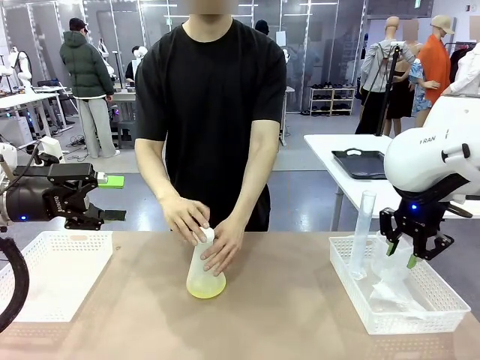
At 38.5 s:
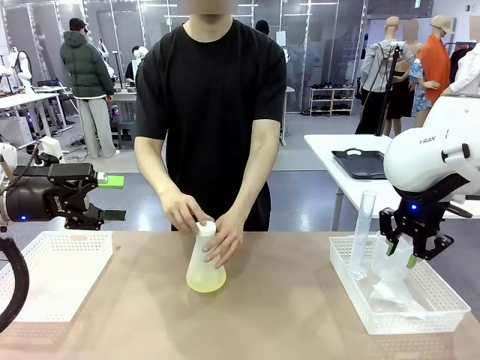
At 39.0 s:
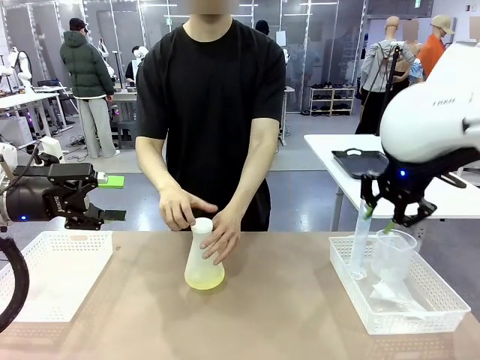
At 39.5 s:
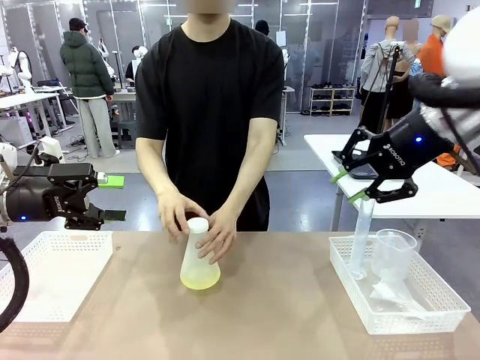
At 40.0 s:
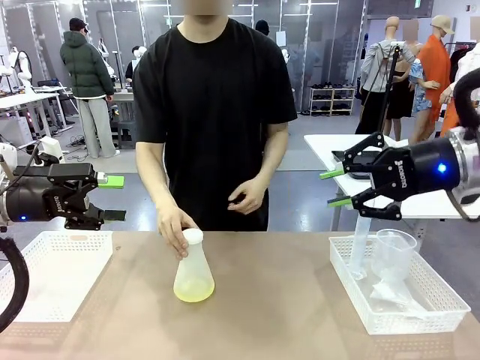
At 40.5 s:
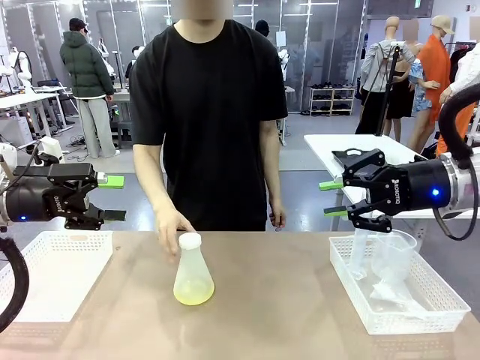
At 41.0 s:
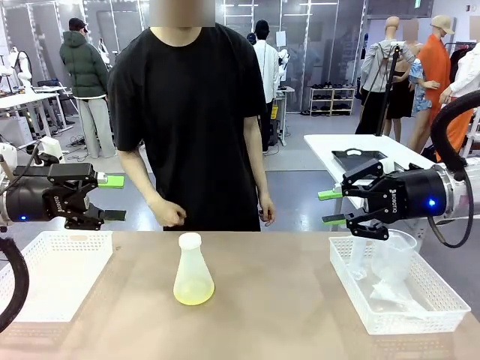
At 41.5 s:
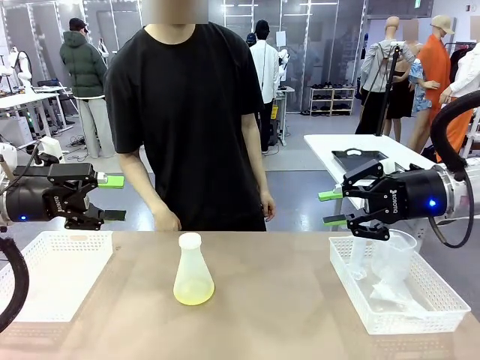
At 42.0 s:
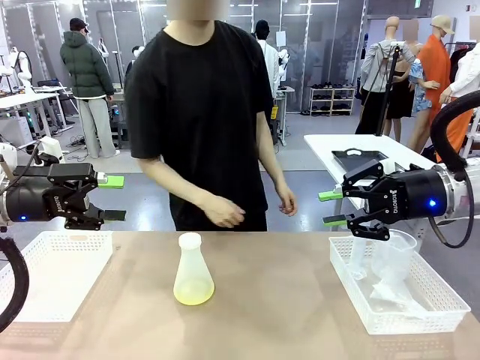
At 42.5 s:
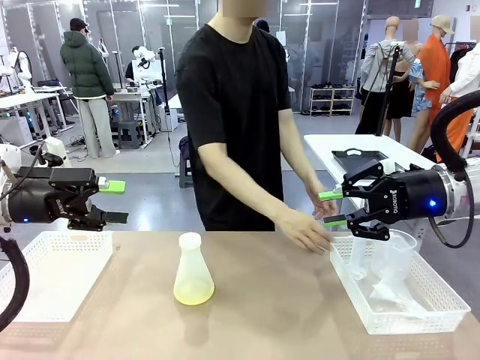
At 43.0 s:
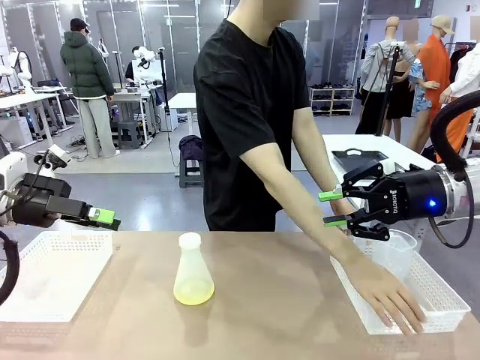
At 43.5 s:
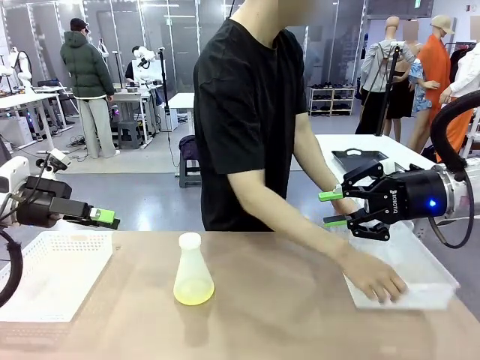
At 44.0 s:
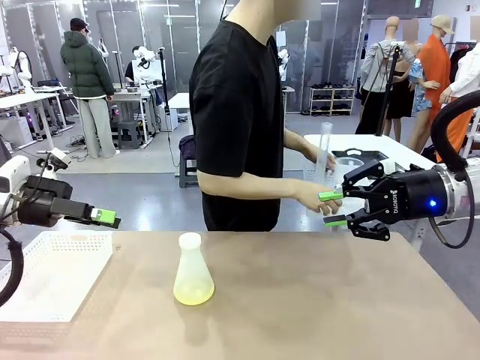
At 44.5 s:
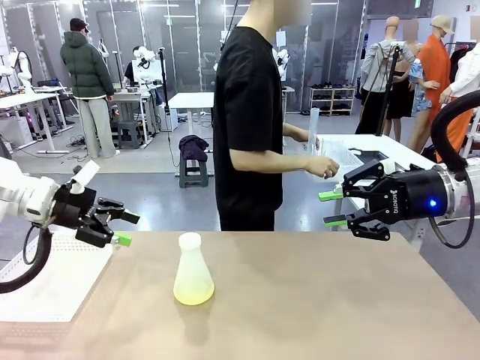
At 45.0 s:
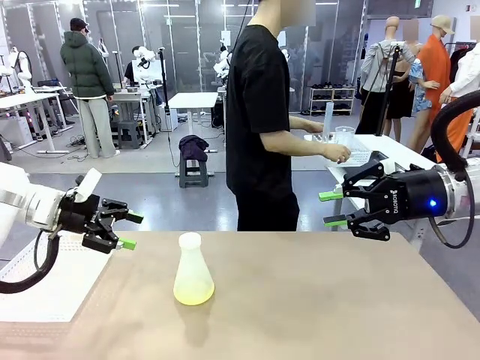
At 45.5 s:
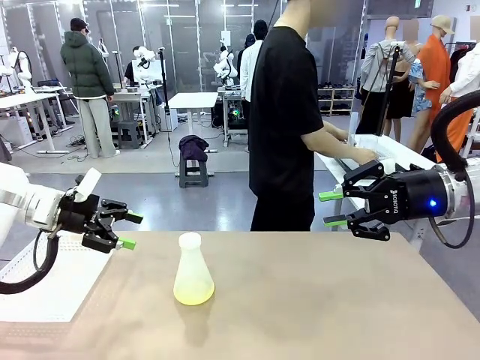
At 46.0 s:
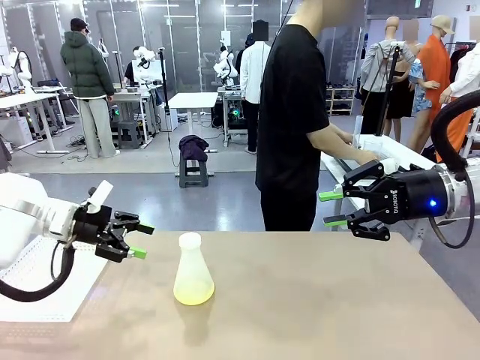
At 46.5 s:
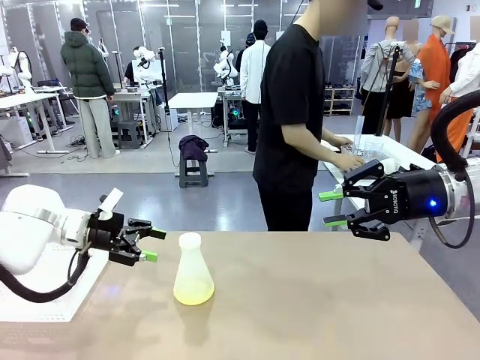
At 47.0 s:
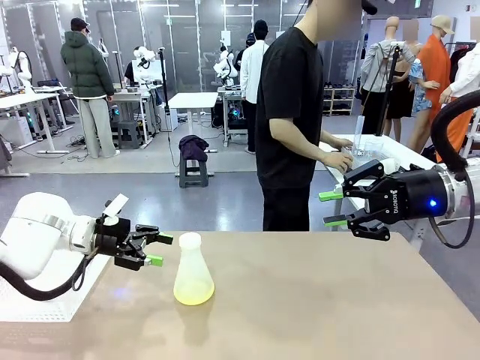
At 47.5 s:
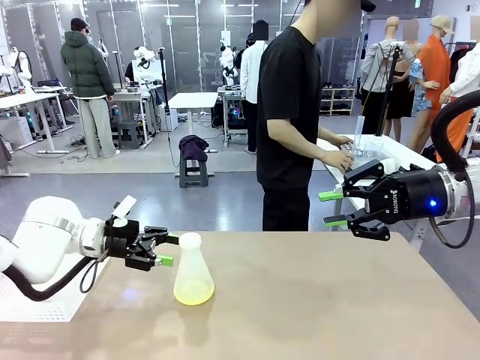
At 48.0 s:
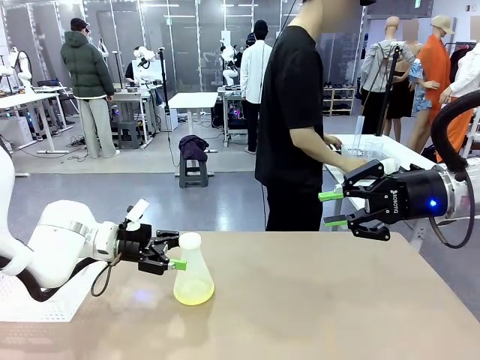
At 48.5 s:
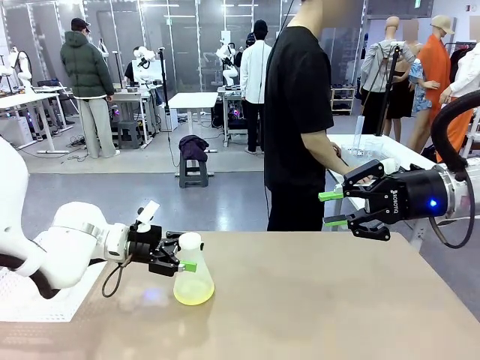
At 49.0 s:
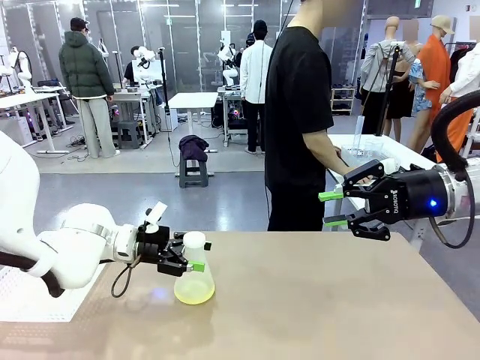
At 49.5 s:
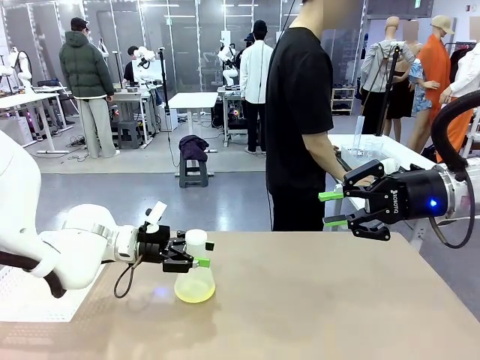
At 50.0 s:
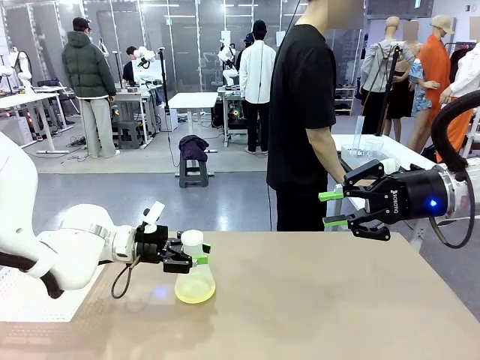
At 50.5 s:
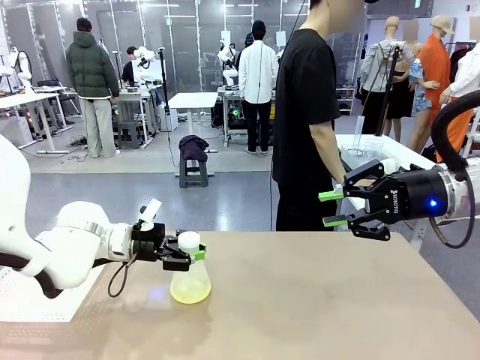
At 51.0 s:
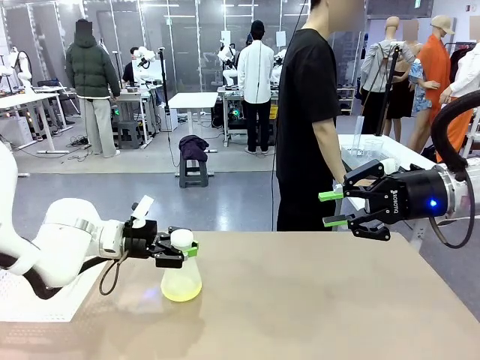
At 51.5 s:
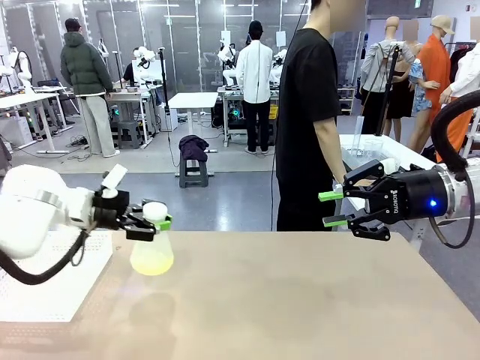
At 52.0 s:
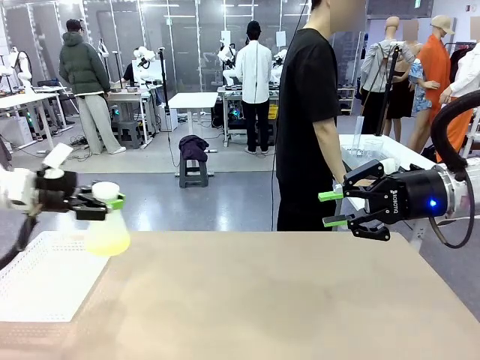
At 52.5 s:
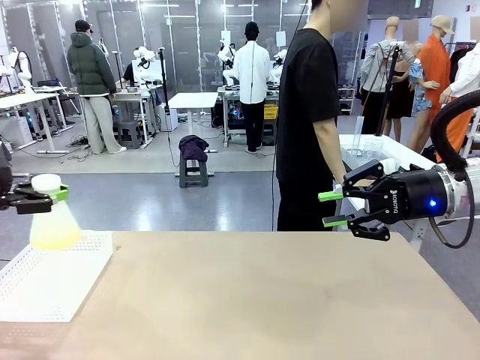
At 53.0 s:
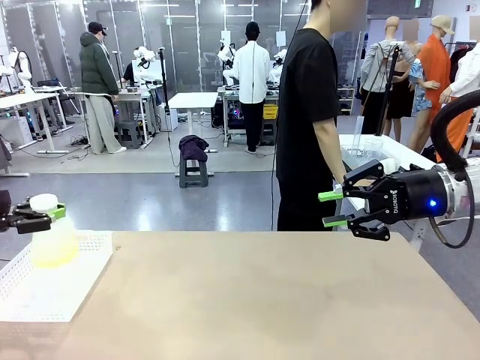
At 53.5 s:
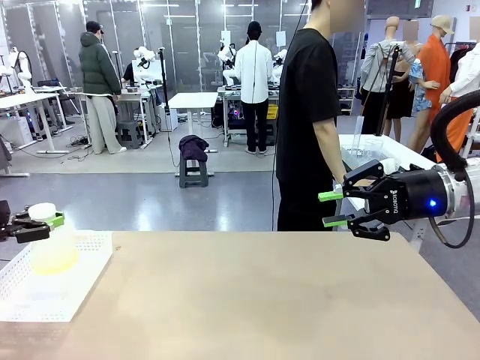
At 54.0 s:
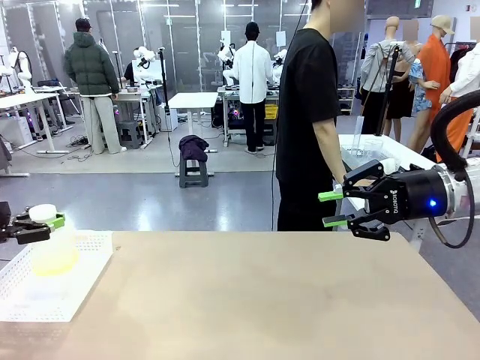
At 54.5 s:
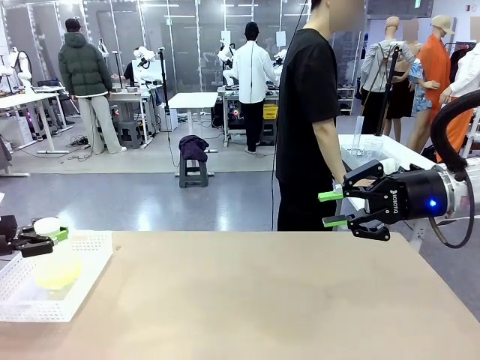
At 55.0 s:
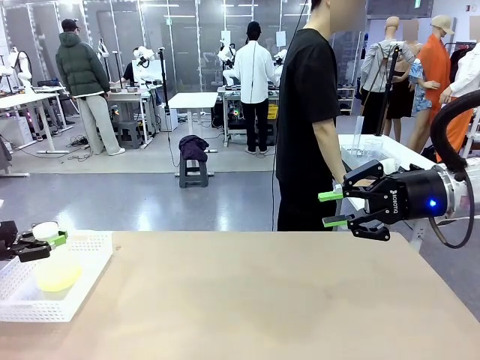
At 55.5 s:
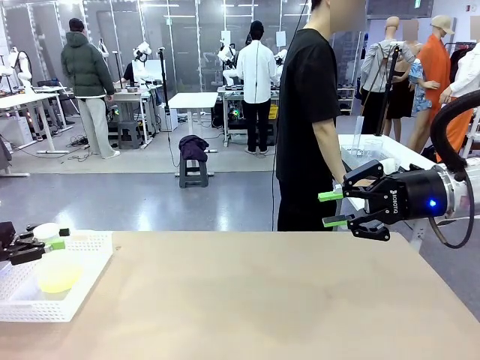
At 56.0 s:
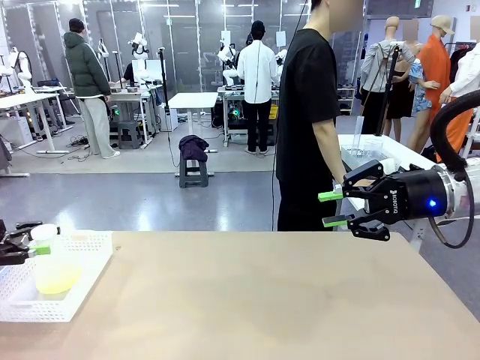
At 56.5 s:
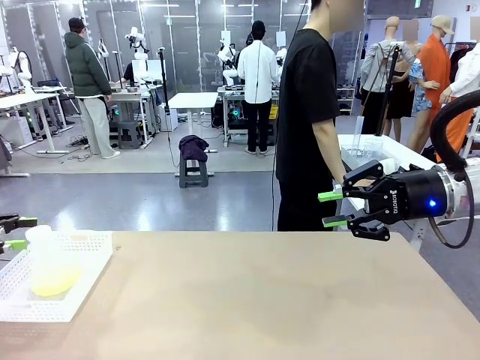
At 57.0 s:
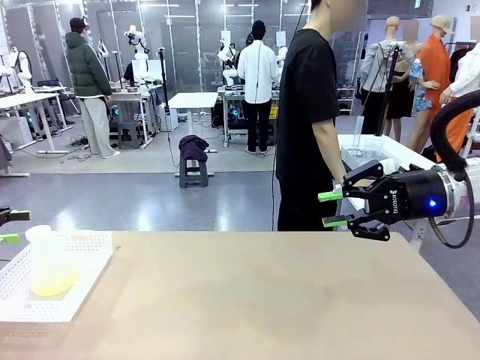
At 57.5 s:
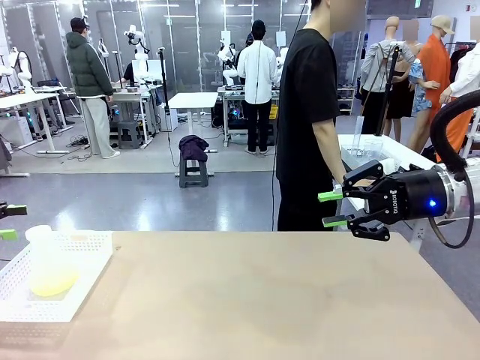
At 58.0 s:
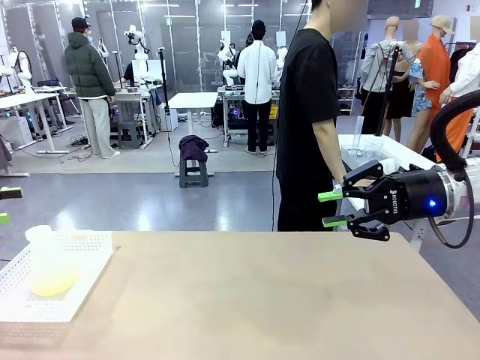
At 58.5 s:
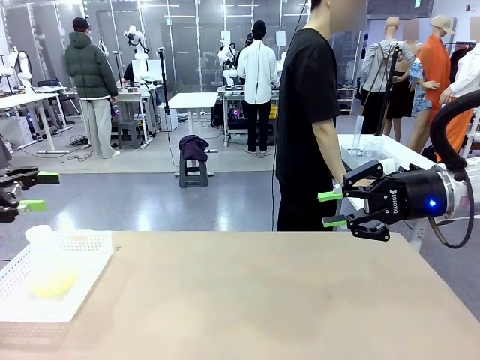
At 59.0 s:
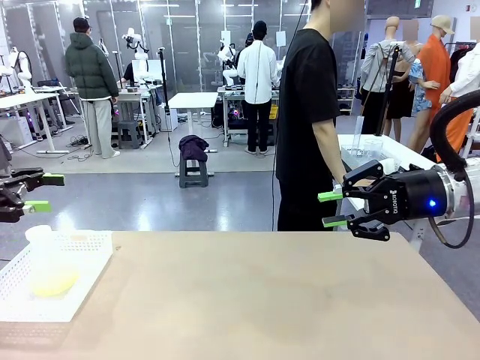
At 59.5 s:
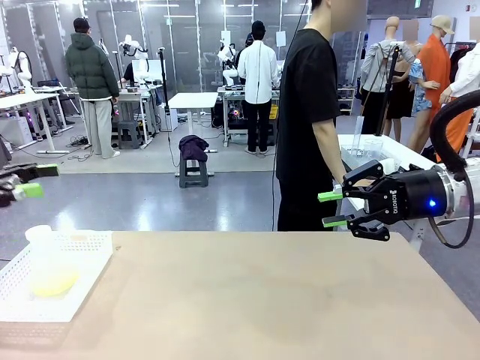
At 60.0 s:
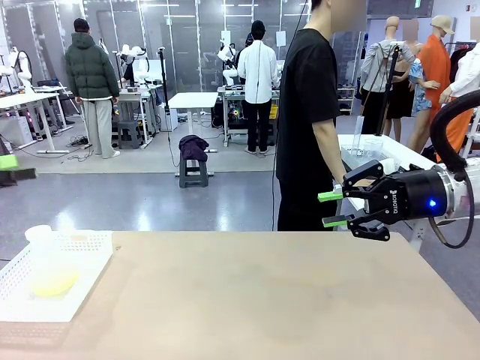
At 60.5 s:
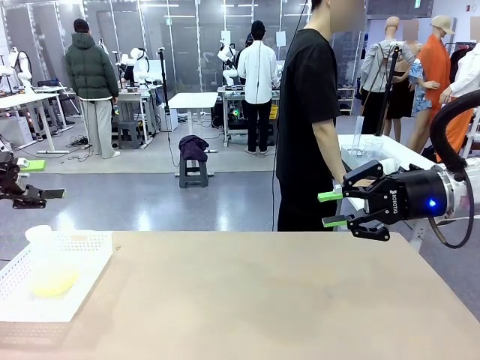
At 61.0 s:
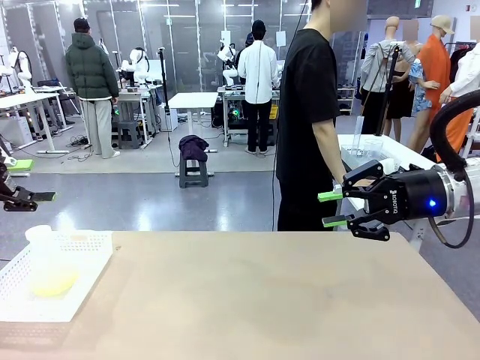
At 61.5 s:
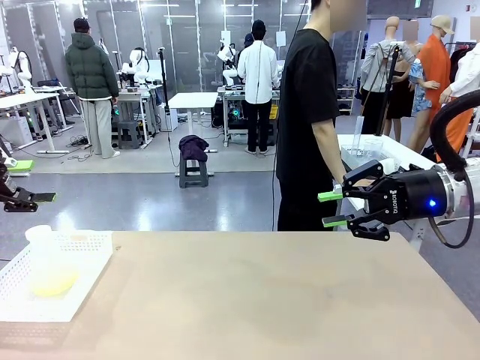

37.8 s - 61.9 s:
Task: Prepare the solutions needed for the experiment.
Robot: When the human places the Big flask in the center of the table, pick up the Big flask and place it in the left Organizing basket.
Person: Pick up the organizing basket on the left side of the robot table and place it on the left side of the human table.
